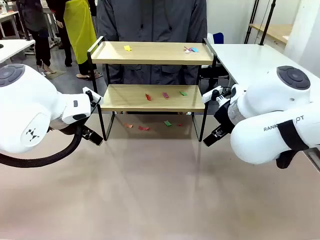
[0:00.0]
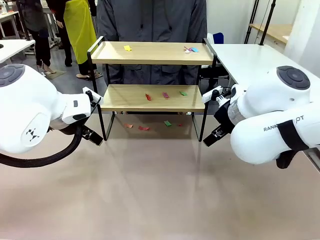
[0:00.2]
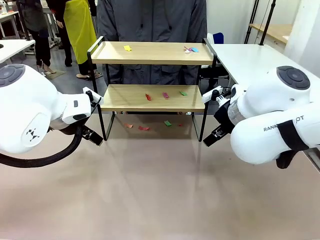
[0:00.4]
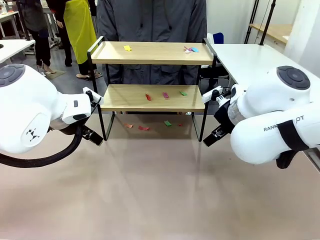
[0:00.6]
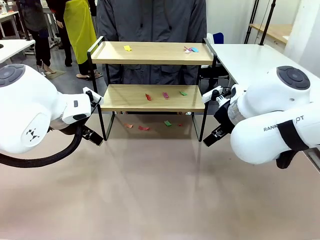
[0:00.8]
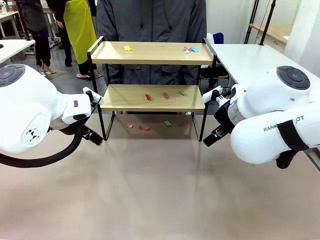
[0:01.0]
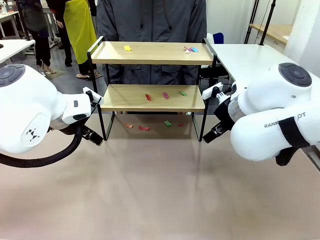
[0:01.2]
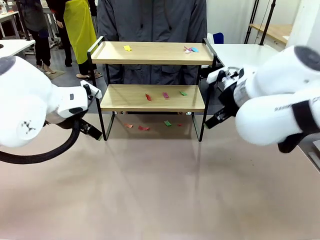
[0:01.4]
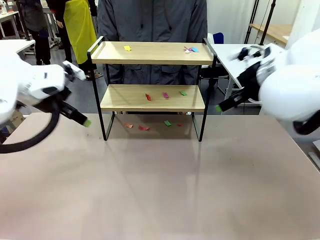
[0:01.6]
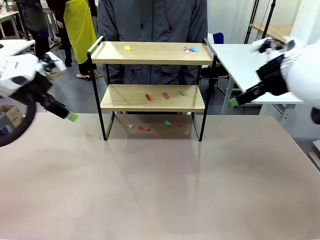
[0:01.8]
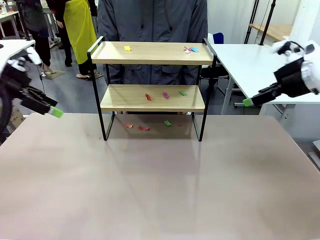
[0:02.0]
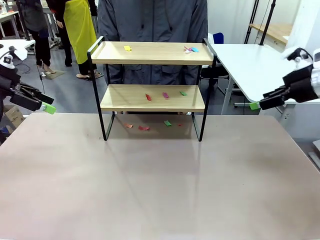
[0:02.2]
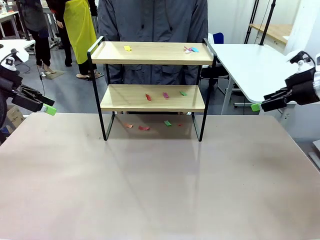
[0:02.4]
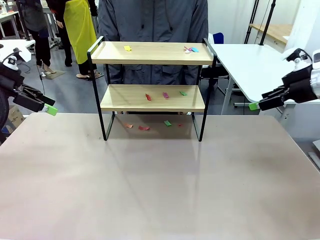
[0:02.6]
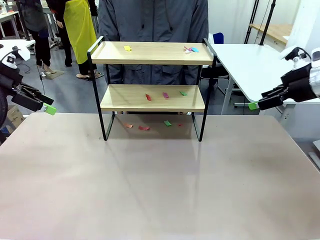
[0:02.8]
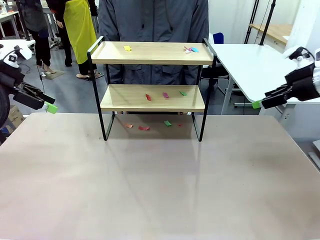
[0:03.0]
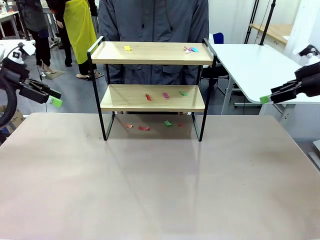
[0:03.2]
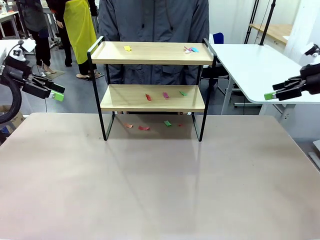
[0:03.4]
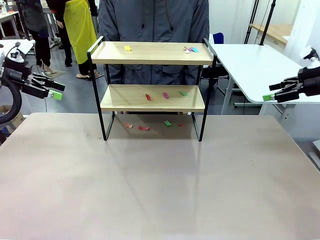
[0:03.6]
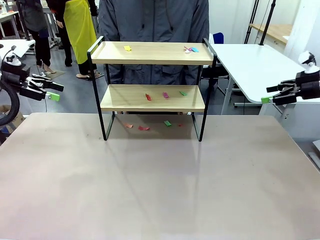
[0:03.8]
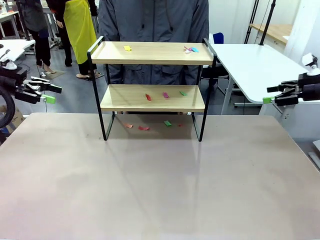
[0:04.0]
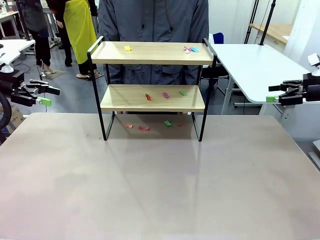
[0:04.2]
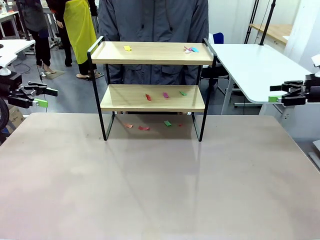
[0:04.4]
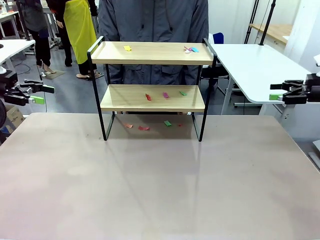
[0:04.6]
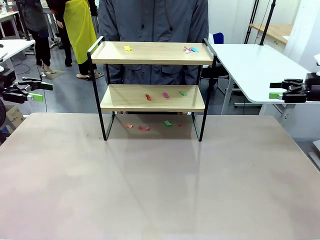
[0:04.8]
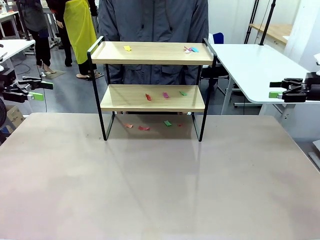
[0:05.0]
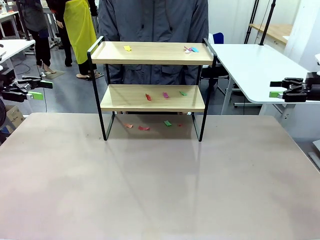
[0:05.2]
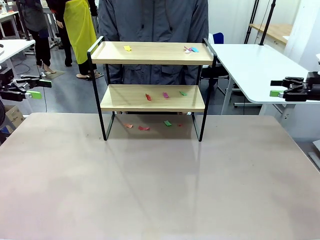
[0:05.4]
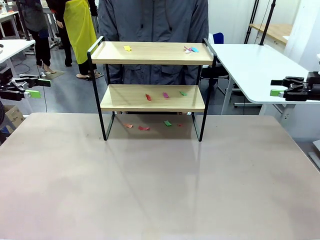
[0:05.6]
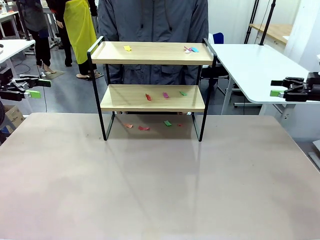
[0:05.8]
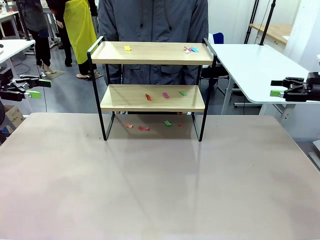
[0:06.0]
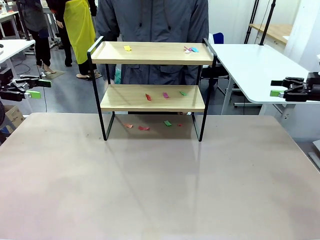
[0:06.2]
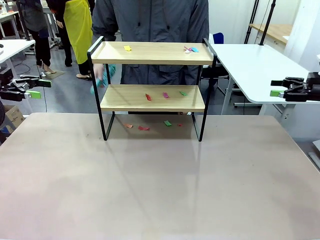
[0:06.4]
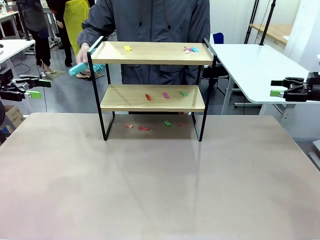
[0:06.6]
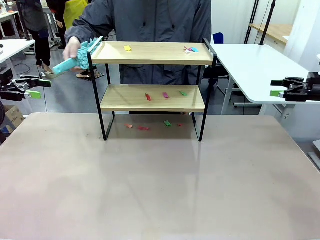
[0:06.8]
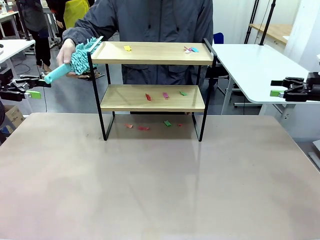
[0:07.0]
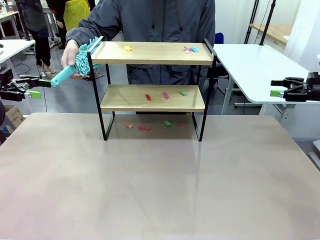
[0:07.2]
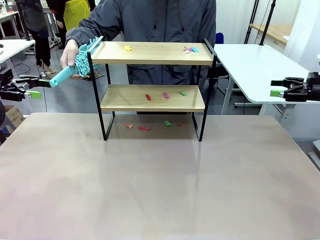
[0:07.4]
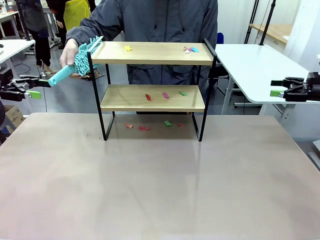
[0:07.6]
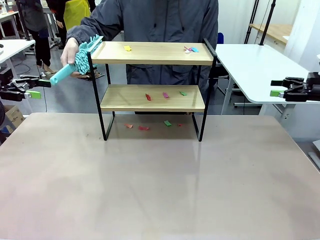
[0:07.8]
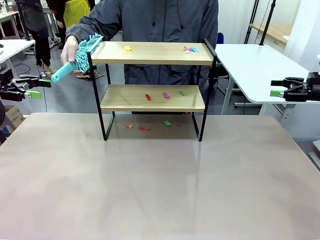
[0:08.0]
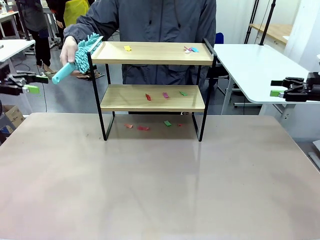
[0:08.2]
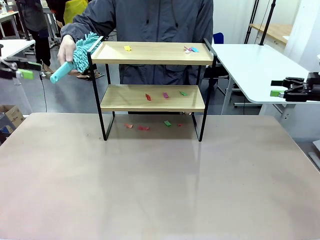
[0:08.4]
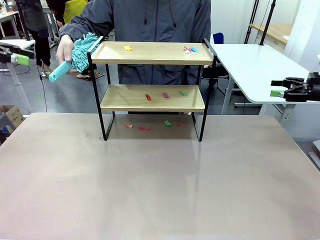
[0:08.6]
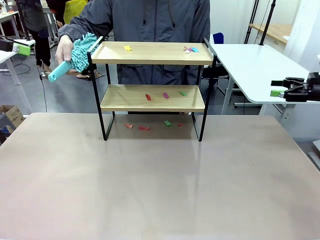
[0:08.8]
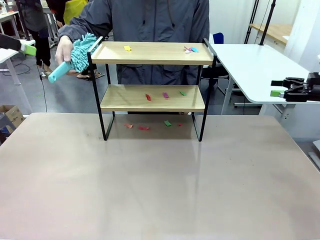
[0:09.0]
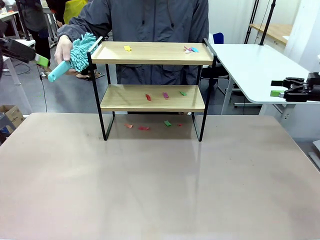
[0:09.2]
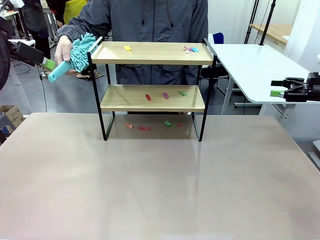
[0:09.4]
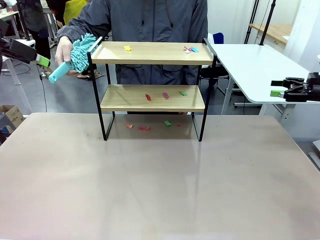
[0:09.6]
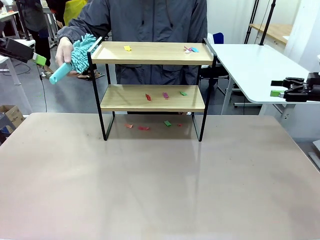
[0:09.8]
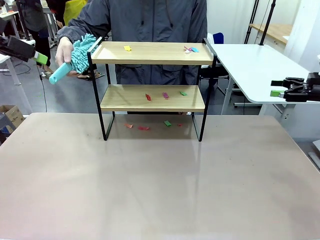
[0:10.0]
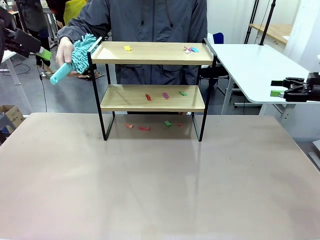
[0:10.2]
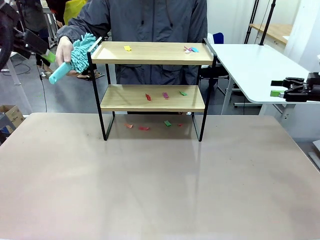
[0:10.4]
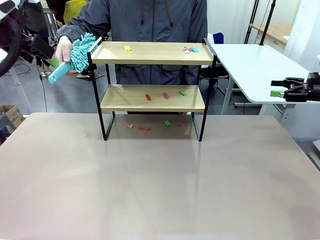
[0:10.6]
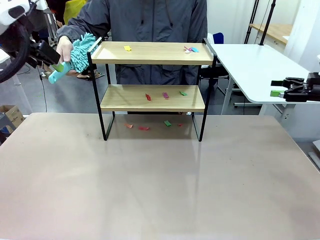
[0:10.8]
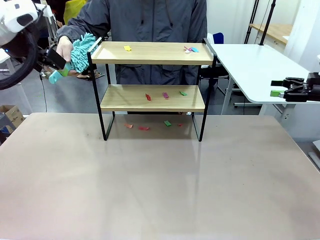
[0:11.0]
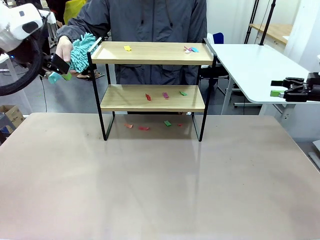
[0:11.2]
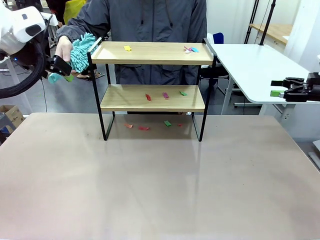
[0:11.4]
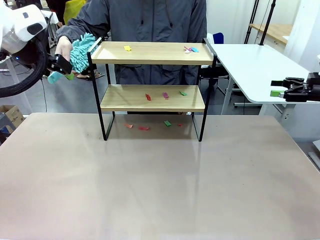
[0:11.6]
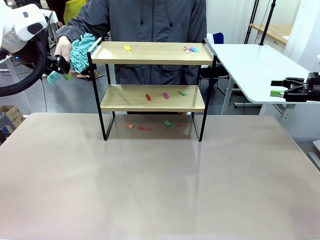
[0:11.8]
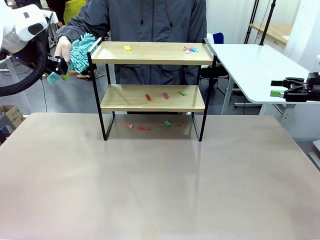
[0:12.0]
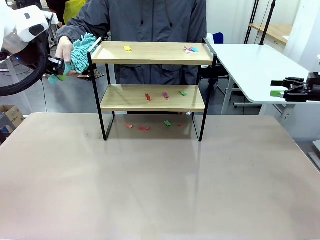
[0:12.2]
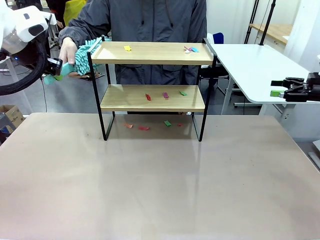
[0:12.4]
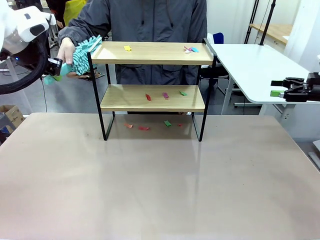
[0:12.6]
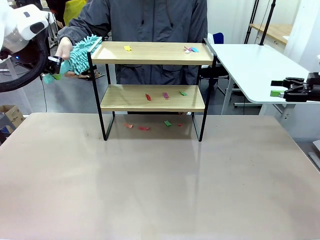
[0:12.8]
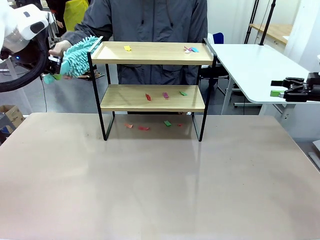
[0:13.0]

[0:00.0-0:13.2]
Task: Clean the shelf.
Robot: Pick up the Duster handed by the human.
Person: Hand the Duster to the robot.
